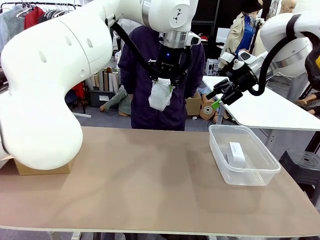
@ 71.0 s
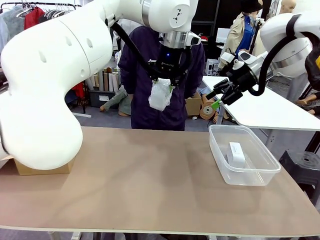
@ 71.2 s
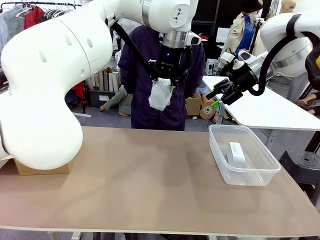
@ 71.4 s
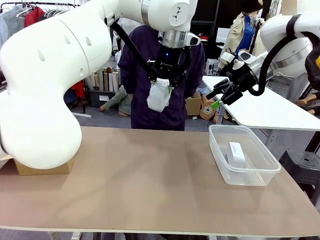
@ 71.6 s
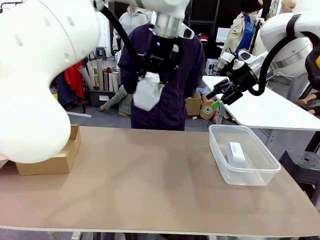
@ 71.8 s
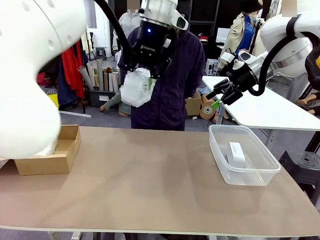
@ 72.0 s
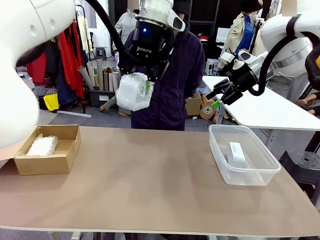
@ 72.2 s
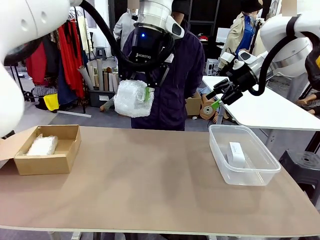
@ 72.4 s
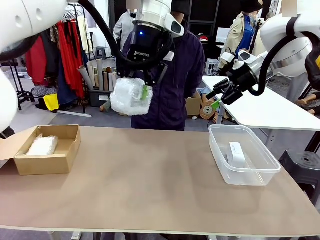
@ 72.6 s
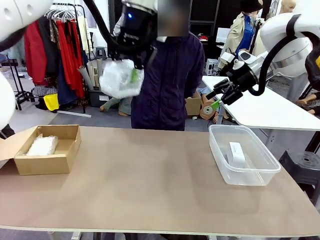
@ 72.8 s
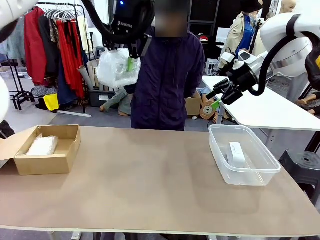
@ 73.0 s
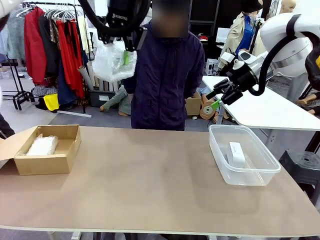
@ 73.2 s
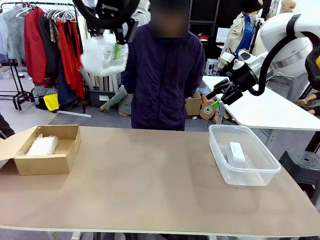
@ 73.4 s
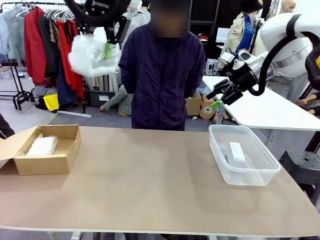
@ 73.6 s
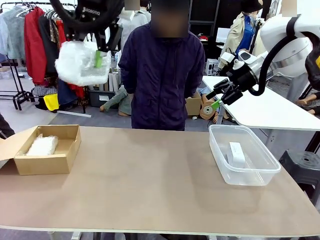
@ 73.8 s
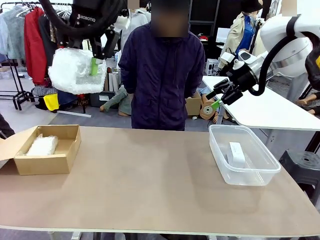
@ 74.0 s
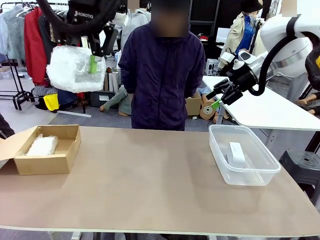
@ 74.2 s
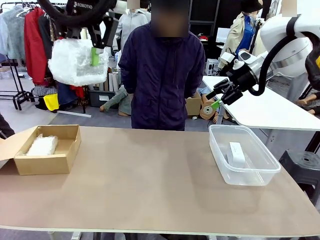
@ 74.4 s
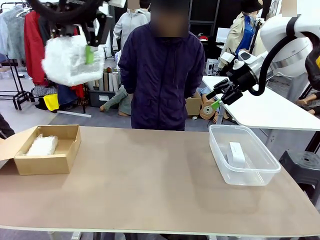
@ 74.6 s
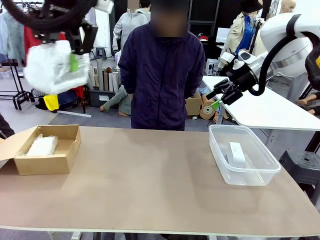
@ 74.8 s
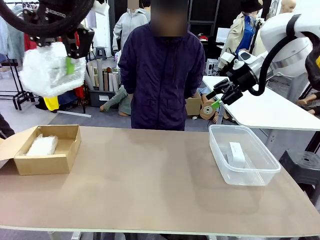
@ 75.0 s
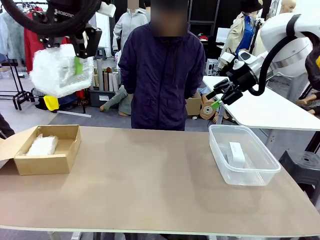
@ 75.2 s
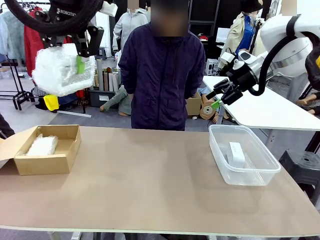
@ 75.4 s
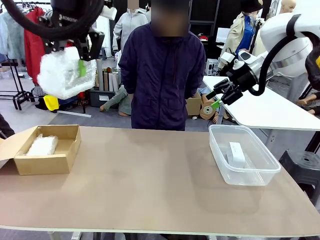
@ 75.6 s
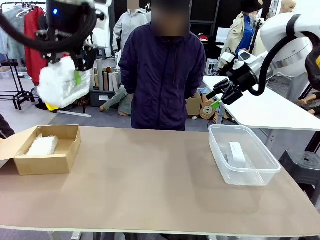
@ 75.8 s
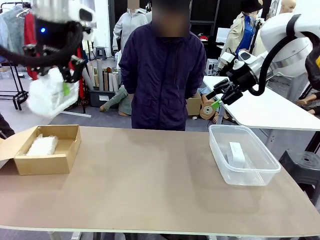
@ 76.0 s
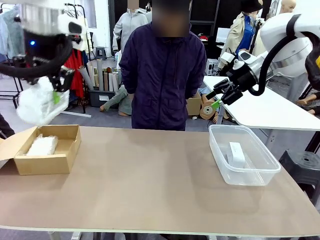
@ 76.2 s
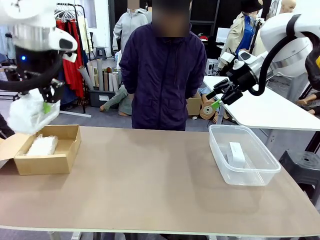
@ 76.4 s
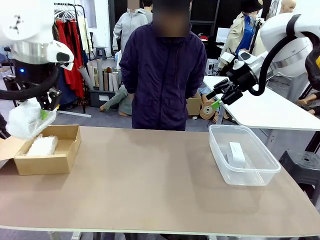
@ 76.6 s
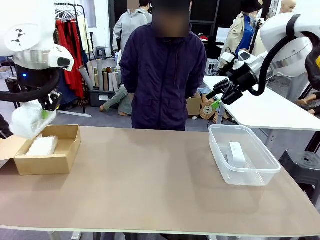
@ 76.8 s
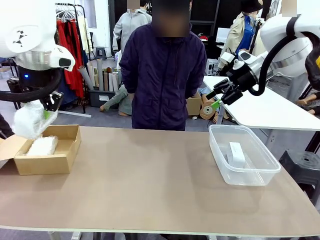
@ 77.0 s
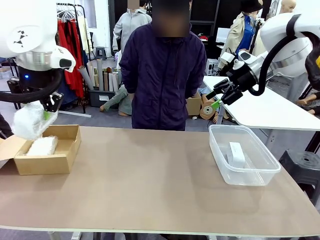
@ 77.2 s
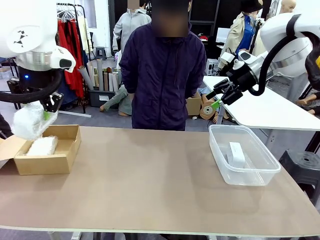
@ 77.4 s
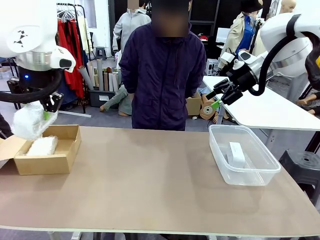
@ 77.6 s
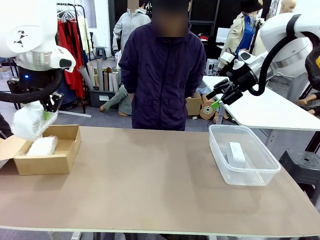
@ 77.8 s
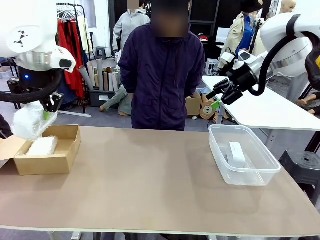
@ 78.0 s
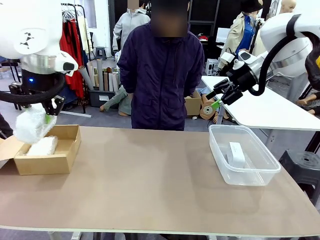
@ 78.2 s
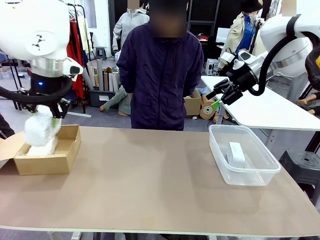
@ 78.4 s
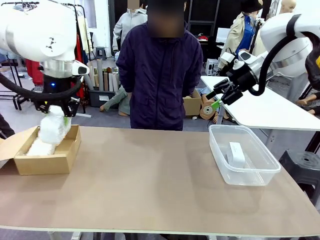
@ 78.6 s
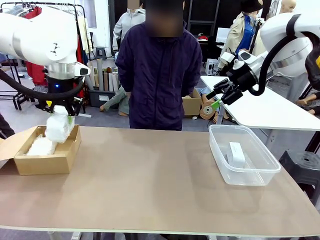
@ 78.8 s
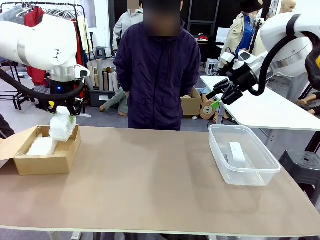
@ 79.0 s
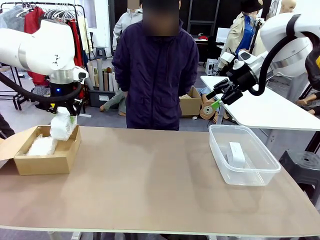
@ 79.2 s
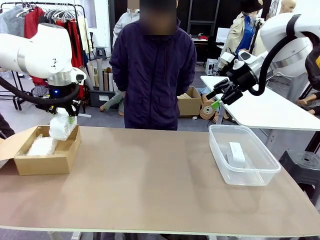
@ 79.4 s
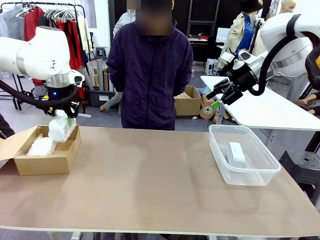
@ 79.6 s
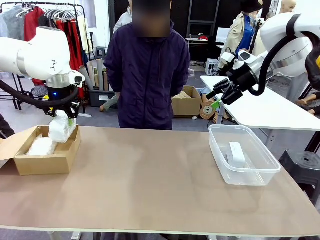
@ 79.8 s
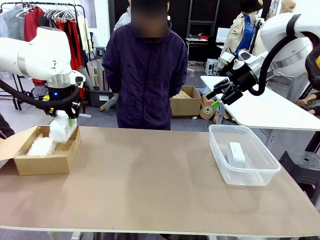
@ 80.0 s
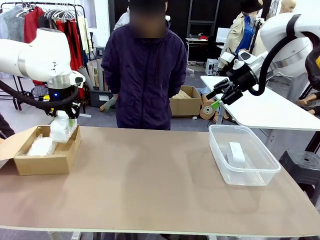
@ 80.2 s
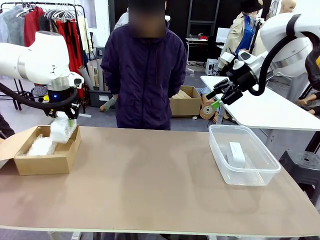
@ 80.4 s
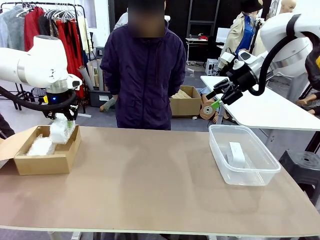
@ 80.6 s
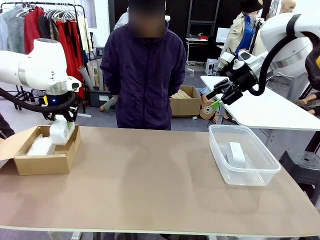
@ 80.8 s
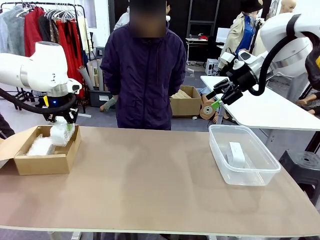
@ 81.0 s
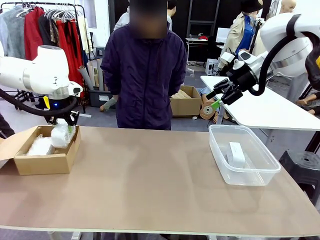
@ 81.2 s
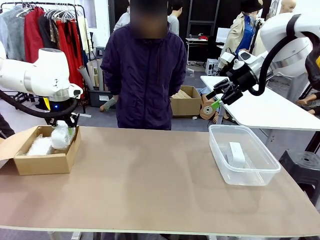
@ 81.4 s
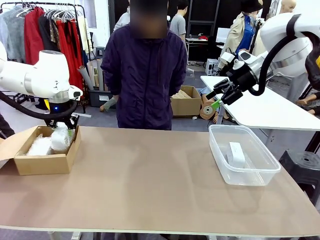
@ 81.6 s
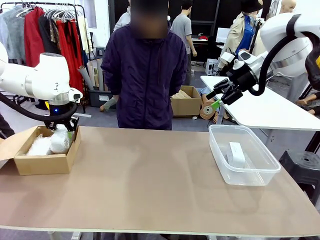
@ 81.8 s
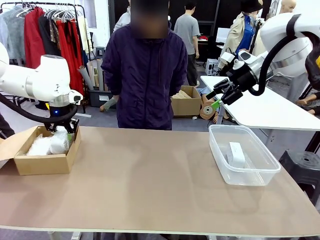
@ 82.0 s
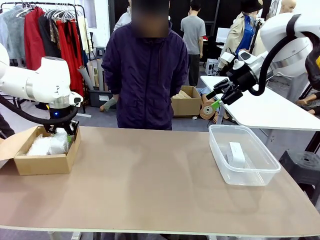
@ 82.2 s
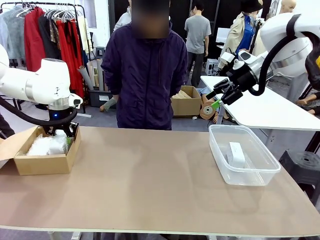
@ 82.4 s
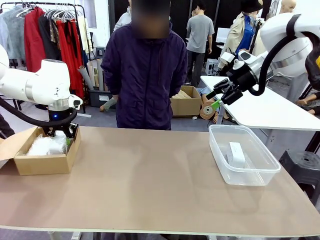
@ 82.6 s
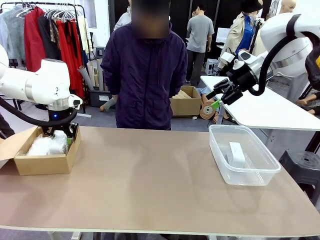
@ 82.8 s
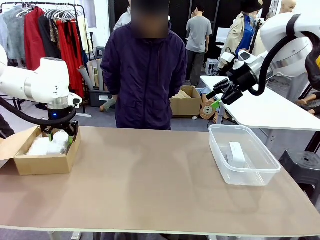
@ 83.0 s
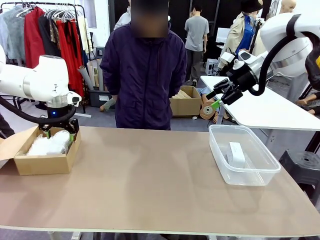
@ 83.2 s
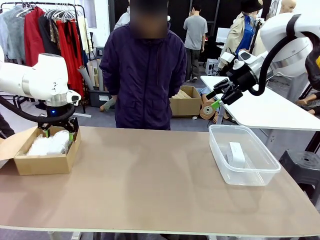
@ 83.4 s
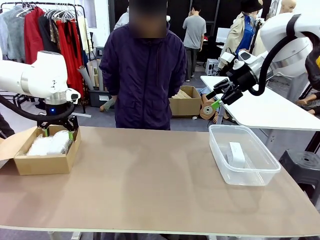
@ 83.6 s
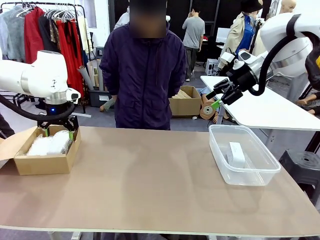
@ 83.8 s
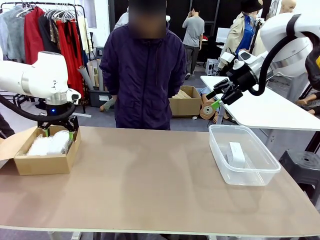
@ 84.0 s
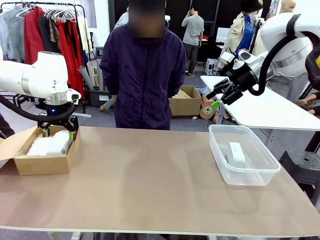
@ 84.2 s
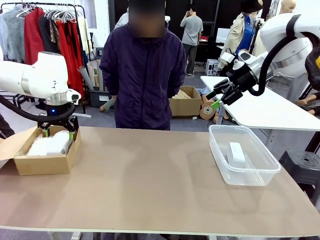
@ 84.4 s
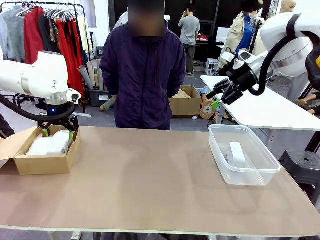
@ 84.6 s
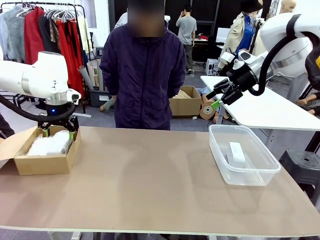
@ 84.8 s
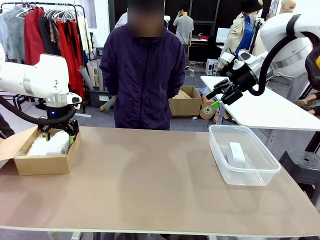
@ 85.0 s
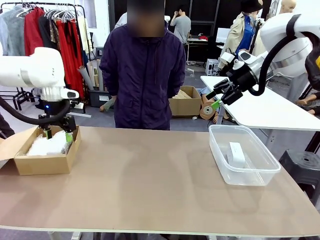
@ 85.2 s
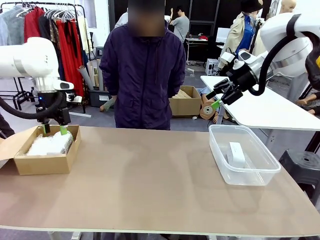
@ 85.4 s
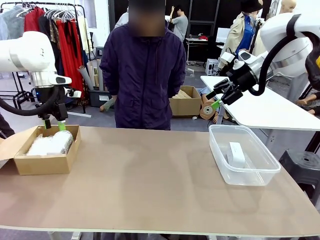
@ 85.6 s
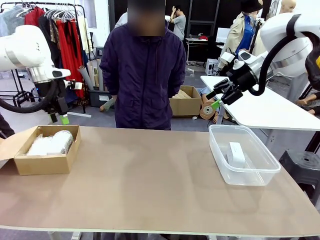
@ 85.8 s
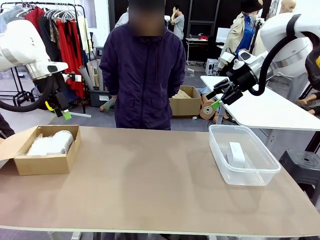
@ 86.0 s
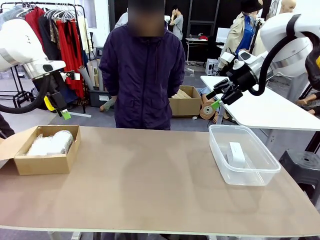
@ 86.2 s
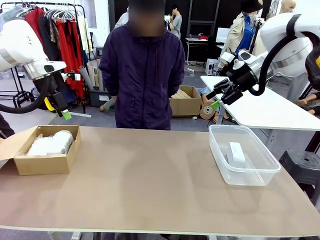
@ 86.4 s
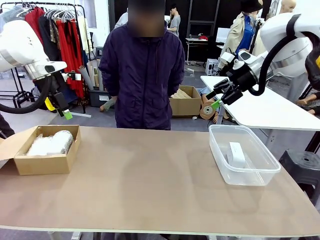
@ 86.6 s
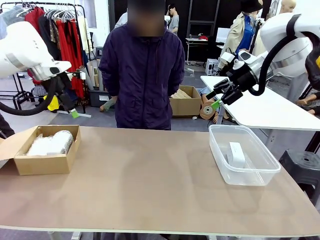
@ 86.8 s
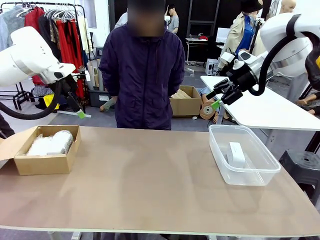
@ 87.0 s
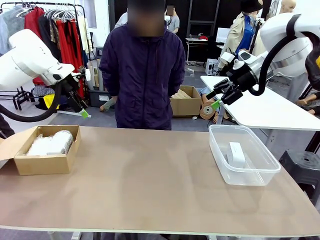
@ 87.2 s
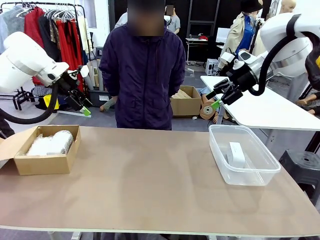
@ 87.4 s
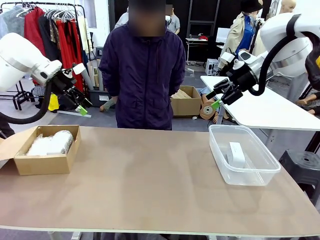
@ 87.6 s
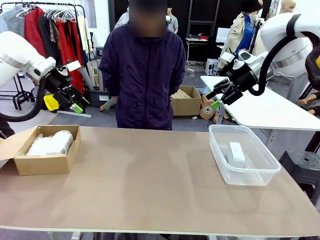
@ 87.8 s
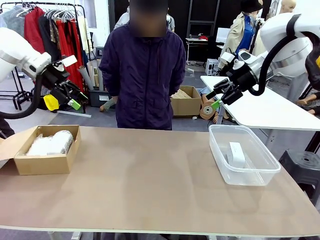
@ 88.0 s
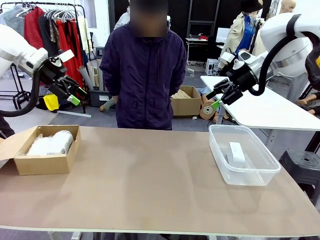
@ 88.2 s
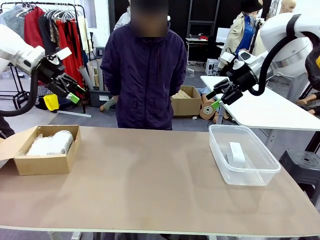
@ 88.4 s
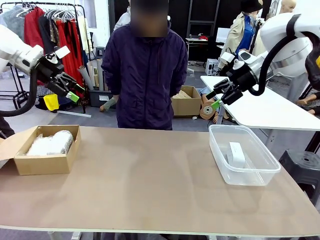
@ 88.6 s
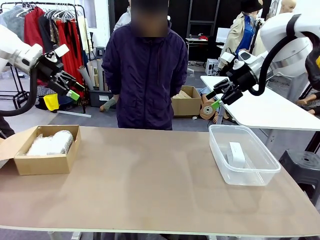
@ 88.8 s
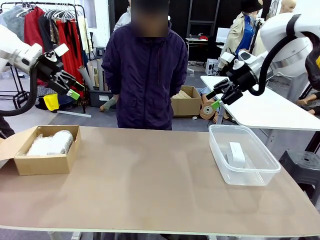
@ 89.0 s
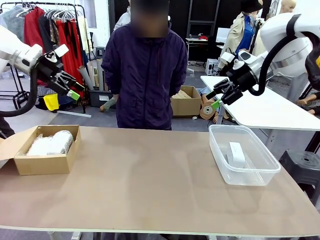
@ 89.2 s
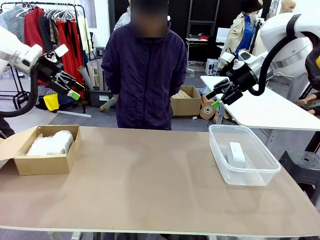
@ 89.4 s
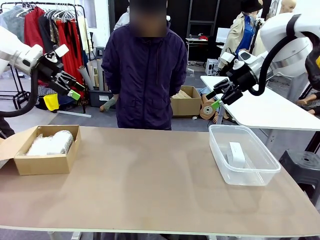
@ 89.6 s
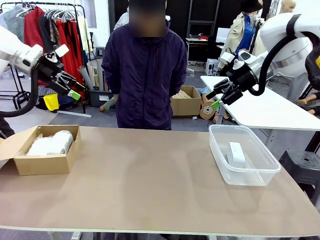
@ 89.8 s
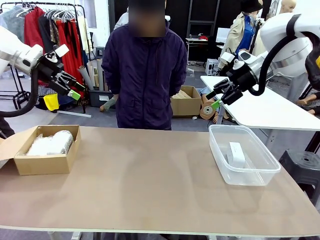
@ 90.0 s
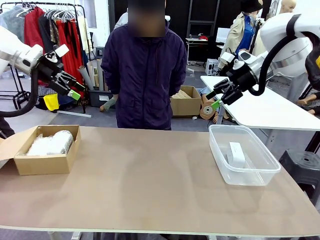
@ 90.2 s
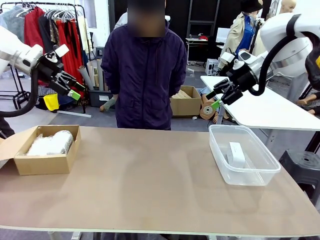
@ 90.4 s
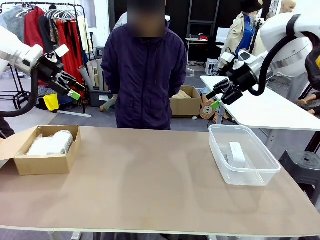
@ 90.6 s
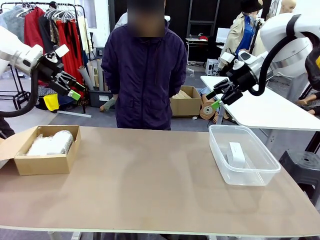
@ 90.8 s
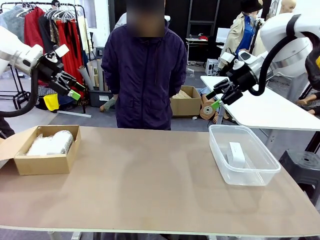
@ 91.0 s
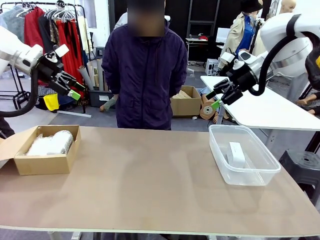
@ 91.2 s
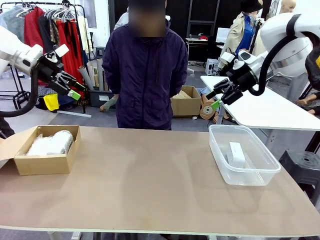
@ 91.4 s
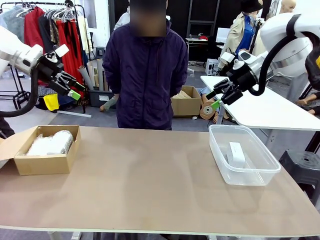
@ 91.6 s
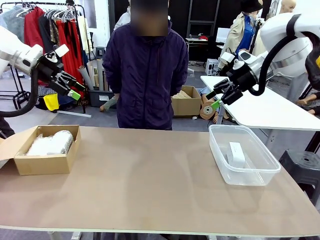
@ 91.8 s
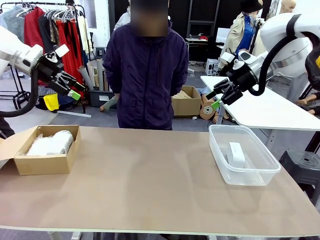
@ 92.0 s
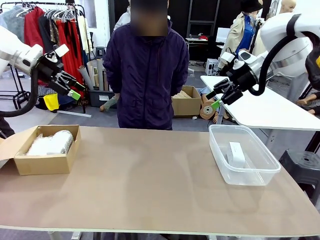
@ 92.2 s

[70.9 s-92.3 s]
Task: Separate and place wrapped and unwrapped clocks.
Robot: If the picked Digital clock is wrapped, place it in the Package Box ; if not, place it in the Organizing box.
